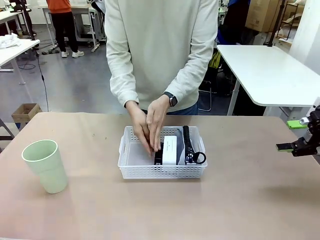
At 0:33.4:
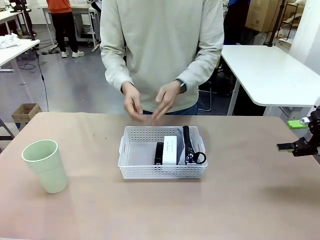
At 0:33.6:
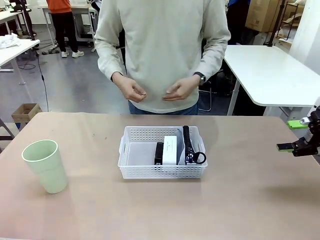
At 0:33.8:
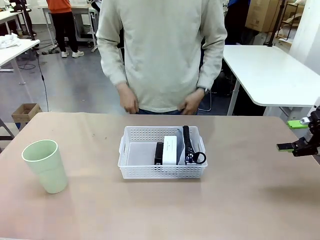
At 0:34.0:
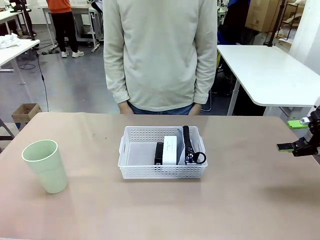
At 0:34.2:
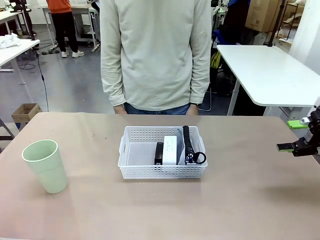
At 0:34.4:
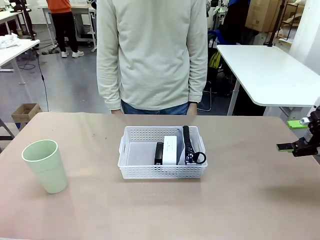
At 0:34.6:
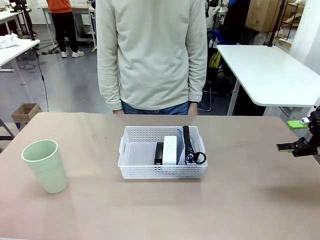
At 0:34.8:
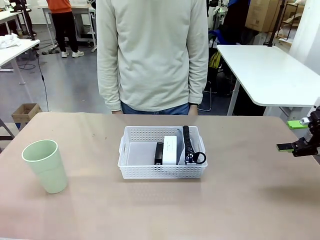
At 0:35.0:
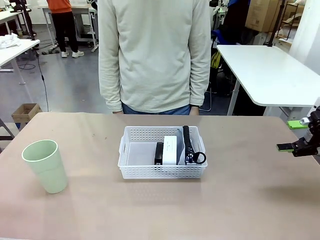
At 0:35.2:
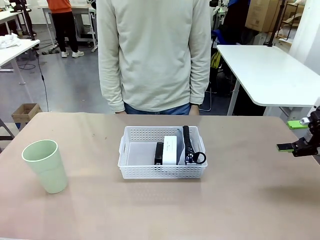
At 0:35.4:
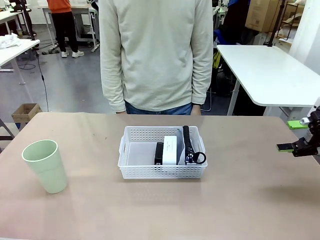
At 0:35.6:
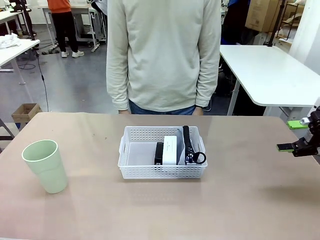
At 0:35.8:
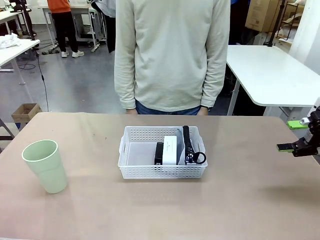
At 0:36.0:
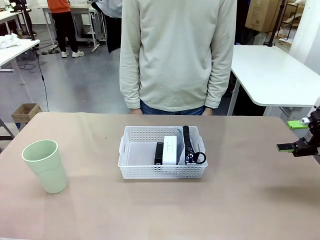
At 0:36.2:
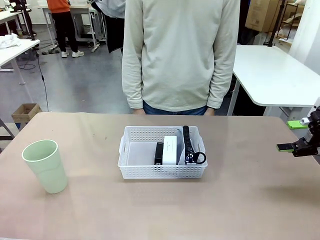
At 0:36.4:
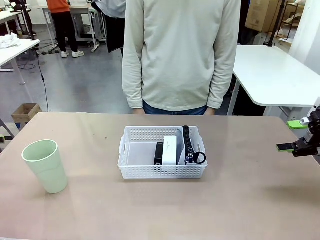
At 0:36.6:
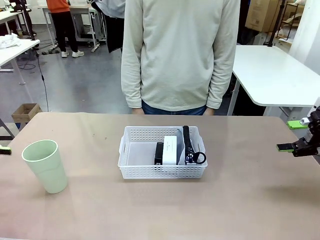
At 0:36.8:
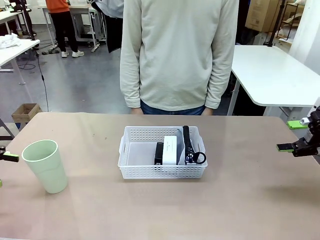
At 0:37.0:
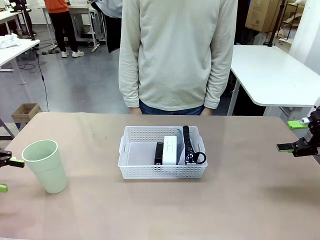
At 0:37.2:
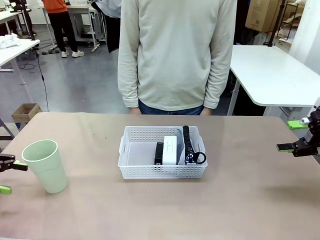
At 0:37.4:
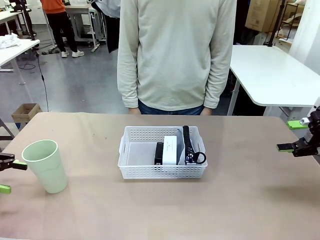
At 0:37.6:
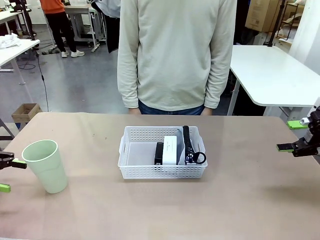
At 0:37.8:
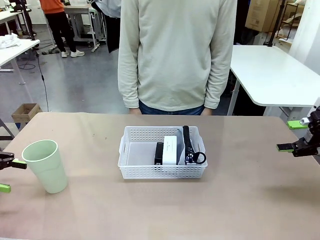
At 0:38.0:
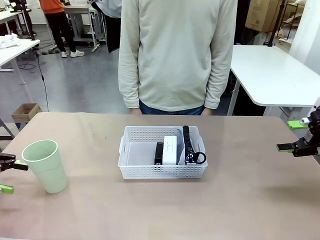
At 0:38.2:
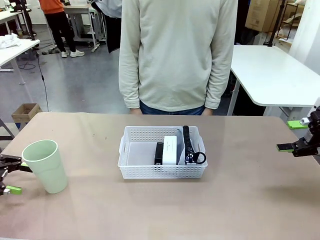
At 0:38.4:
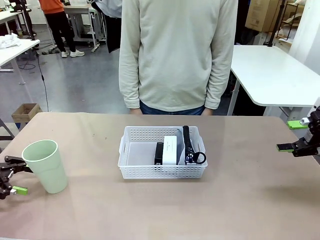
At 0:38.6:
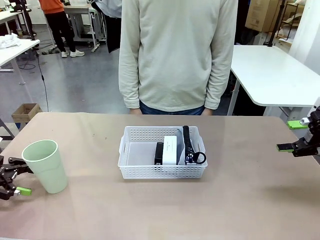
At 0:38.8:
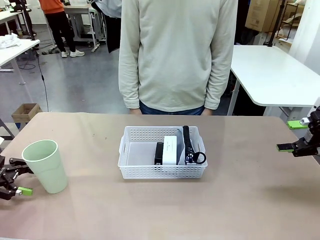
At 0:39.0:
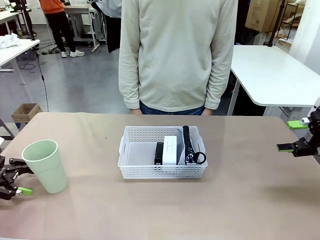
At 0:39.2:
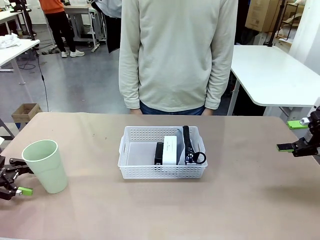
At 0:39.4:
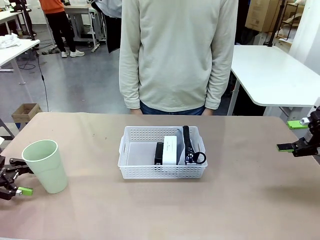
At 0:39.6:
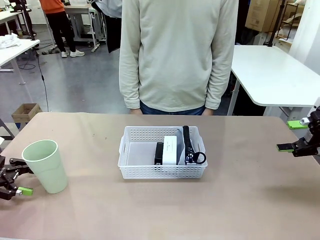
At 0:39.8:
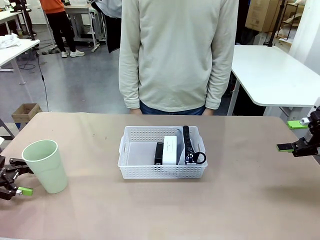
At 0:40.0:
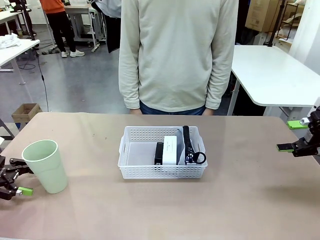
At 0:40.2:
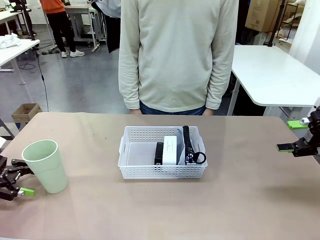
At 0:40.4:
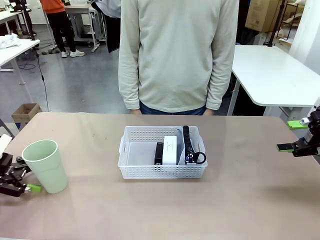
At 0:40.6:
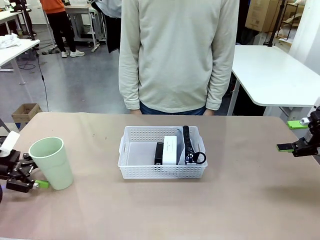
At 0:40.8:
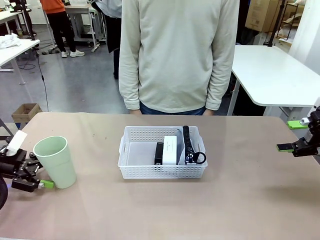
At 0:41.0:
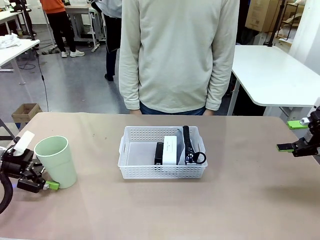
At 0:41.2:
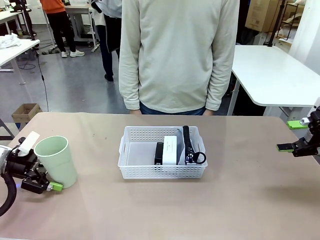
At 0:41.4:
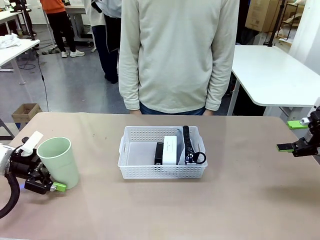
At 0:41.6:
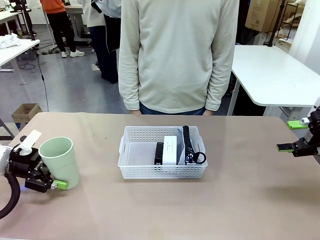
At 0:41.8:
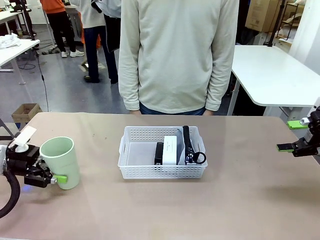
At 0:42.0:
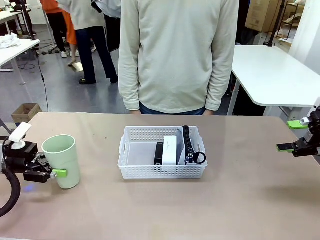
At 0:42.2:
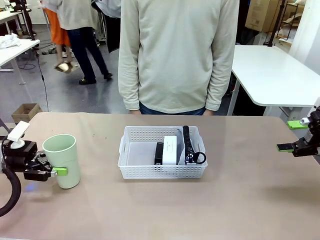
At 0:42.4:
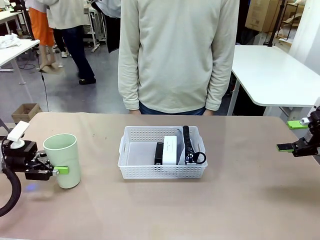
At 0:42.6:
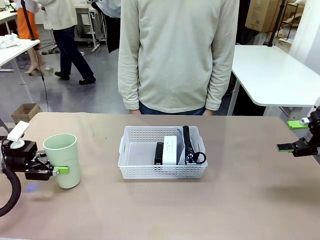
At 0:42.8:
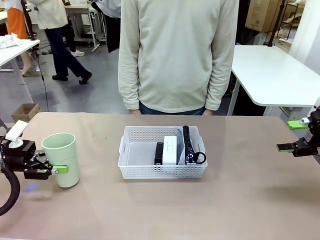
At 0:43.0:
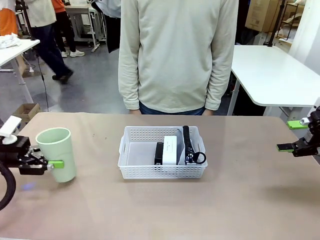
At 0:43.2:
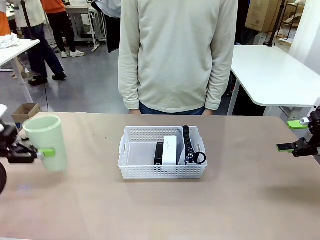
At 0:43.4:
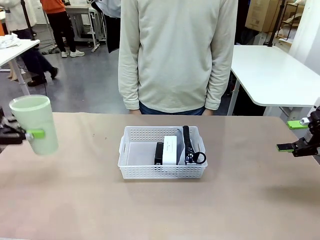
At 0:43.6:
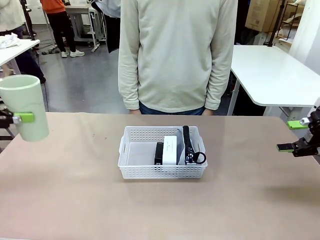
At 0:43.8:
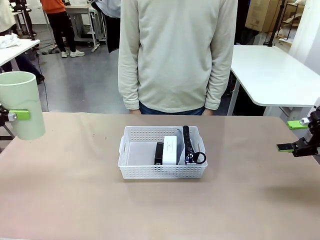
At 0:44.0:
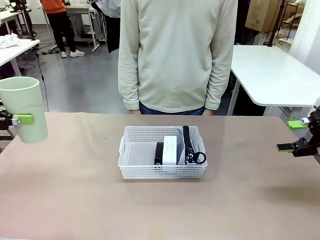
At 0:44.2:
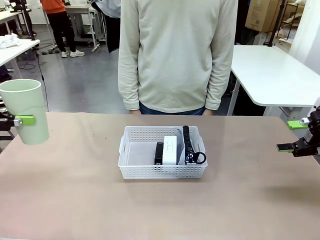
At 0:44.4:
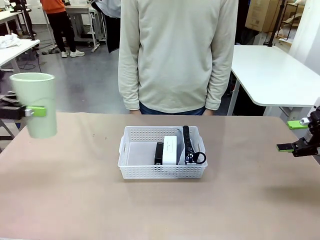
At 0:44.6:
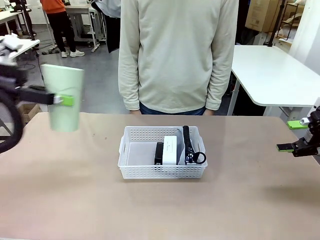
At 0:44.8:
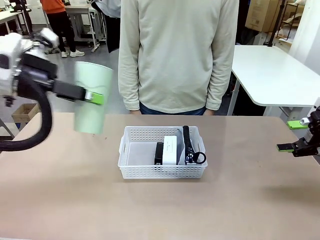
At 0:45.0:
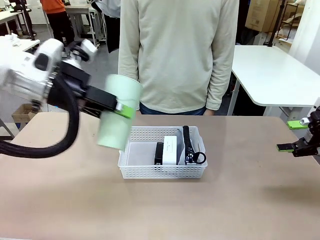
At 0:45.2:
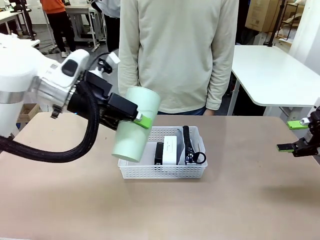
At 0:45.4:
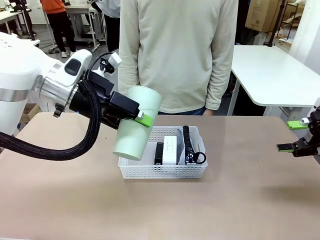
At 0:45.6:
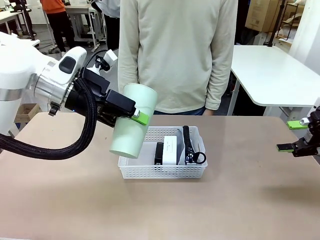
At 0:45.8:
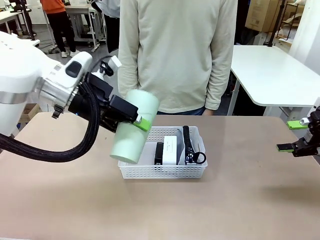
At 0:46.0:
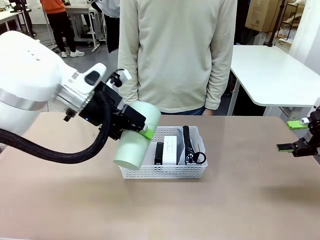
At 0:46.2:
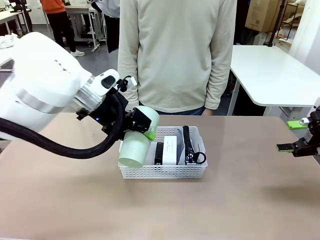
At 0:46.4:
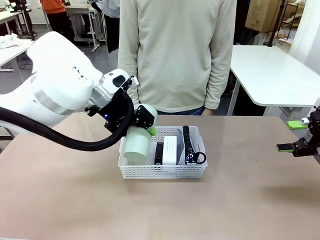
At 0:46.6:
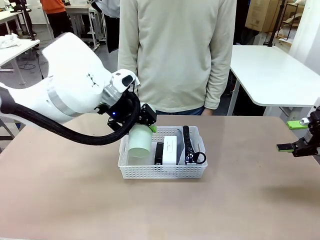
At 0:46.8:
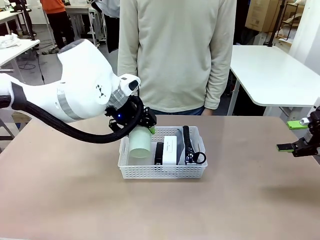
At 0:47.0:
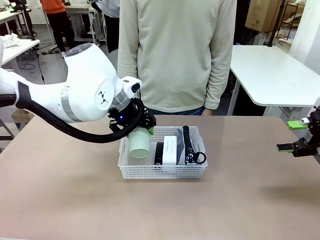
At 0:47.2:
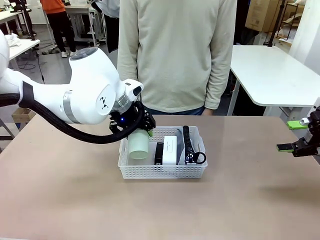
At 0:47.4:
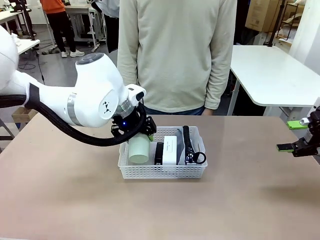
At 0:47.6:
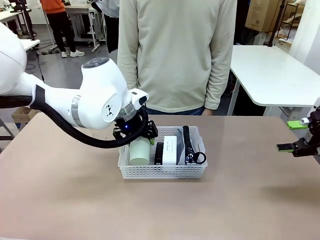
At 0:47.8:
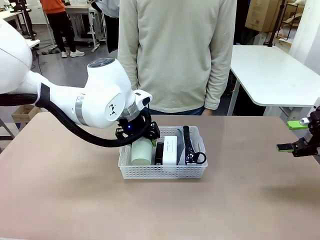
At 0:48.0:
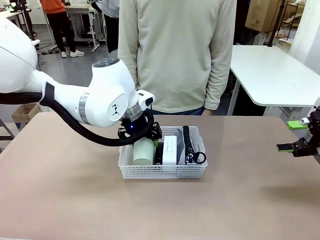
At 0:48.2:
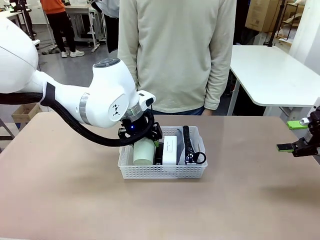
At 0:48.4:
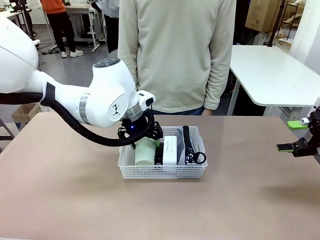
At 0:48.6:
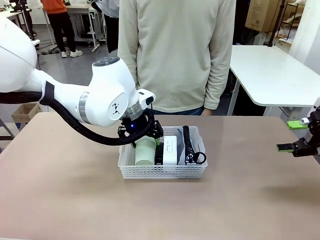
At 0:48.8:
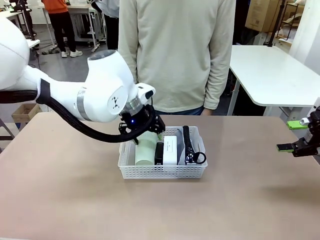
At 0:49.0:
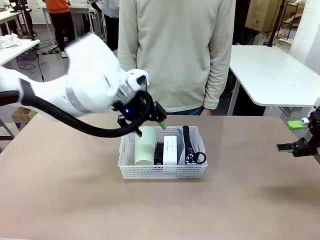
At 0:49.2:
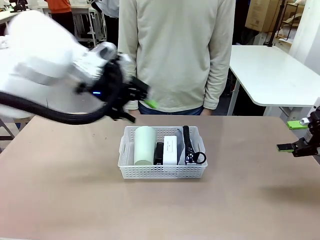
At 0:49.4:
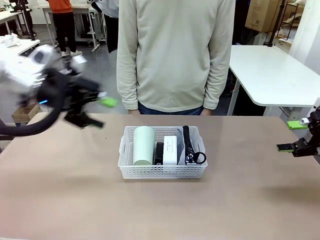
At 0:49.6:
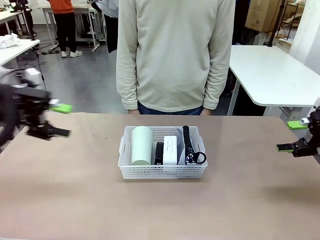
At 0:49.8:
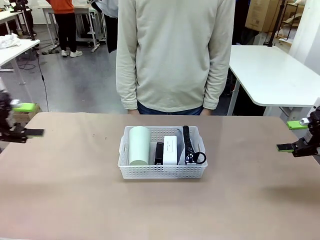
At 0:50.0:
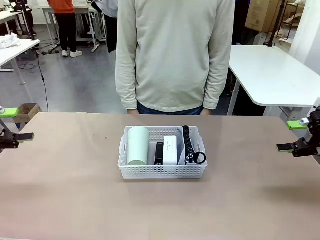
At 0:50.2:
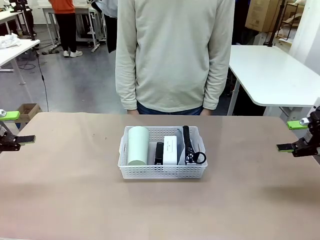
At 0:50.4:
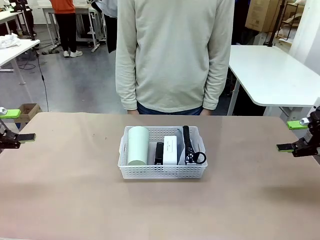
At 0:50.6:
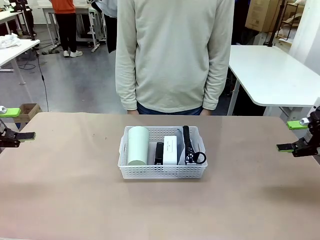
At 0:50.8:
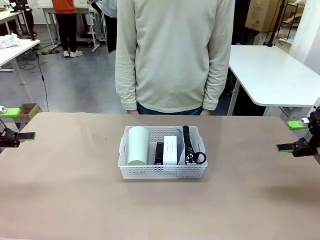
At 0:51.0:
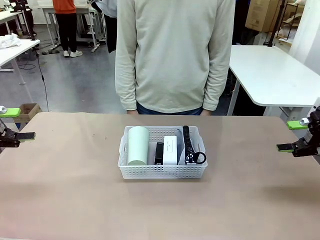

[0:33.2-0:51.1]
Task: Efficiently arrange items inside the basket to fit them all.
Robot: Pick up the Reusable plastic cup and place it inside the Organizing basket.
Person: Repositions the stapler.

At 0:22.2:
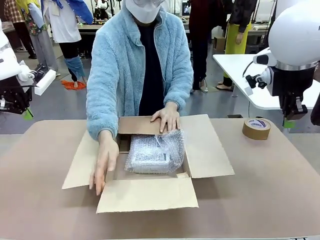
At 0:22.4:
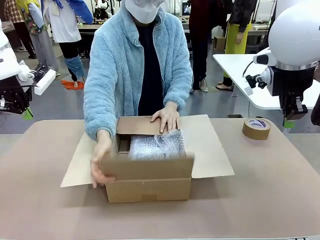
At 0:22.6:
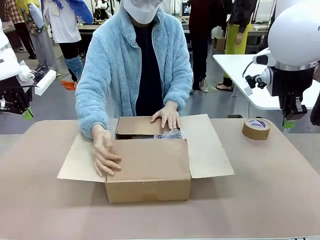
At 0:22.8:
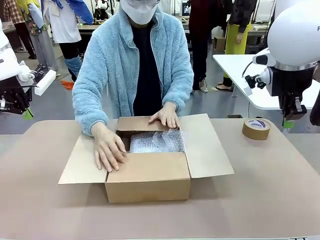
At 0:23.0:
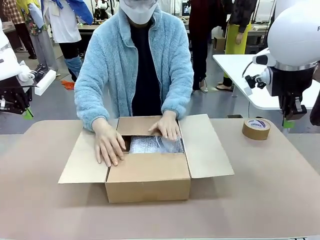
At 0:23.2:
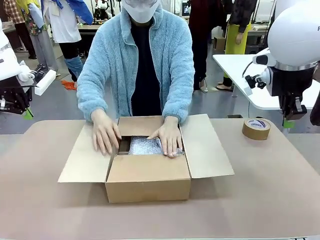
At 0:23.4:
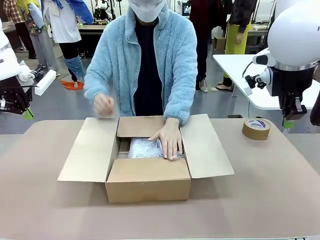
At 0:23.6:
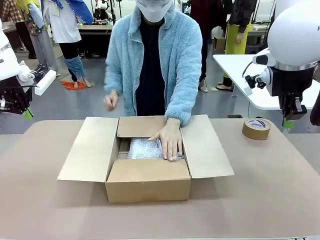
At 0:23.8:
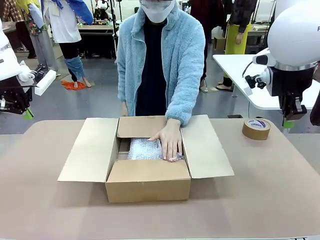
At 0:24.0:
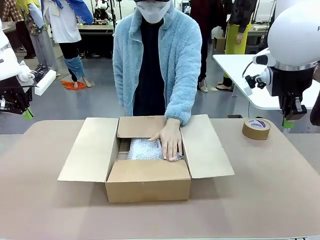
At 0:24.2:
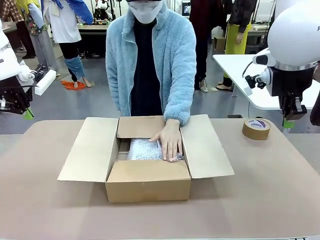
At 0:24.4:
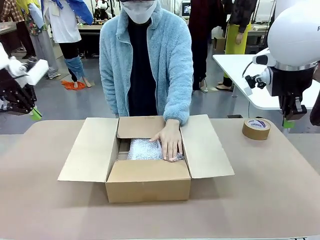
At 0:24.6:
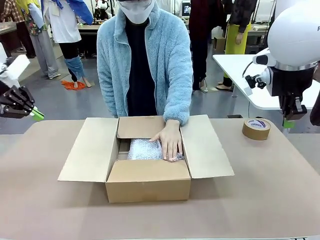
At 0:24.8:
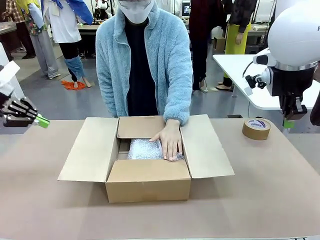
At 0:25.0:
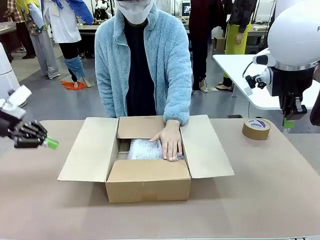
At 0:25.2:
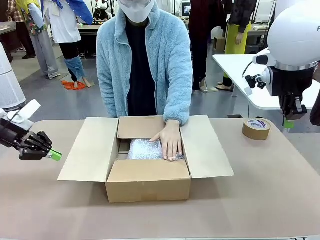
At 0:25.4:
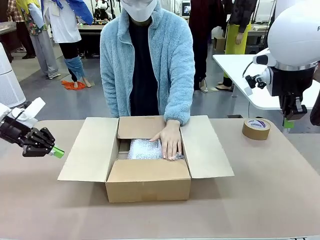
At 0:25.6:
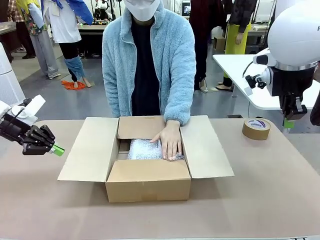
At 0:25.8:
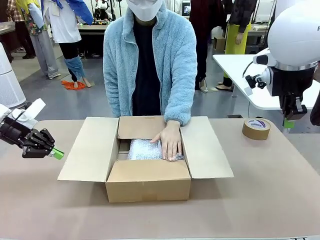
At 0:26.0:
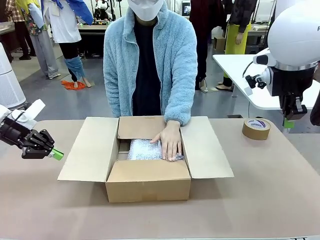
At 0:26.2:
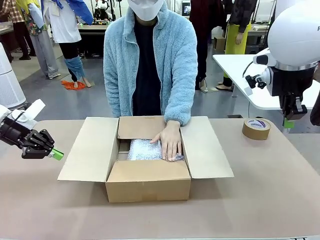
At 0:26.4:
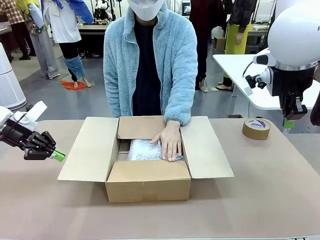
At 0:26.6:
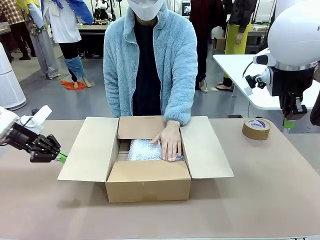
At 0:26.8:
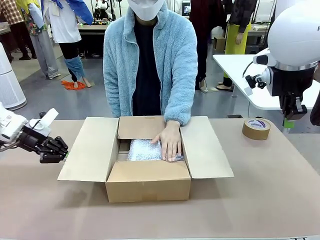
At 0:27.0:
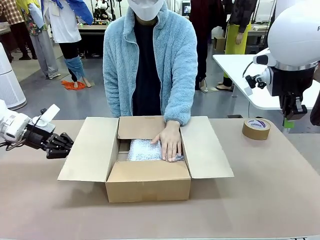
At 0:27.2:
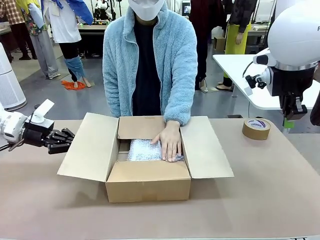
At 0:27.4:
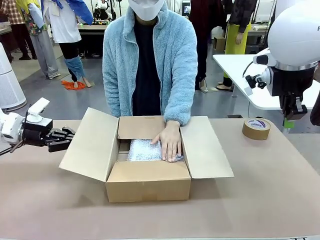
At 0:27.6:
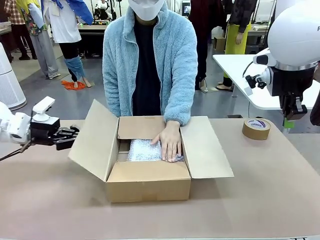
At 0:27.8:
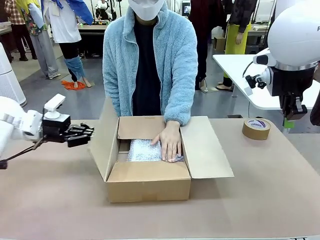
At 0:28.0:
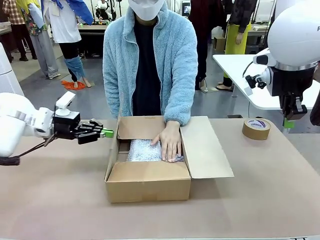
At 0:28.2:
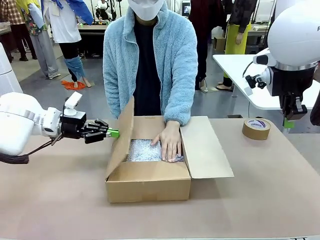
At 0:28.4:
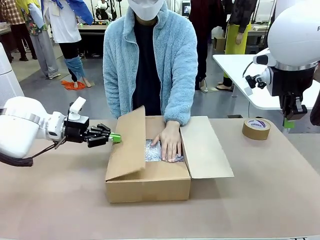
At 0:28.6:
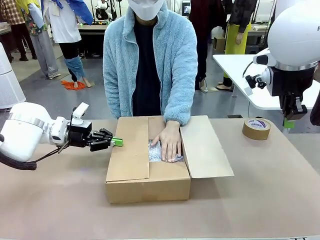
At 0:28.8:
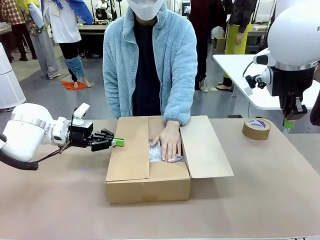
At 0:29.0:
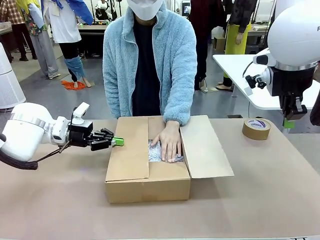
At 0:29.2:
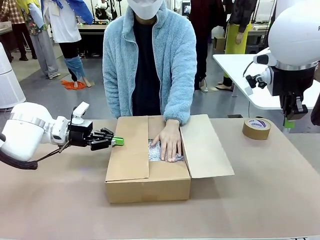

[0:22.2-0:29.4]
Task: Wrap the clocks to prevent damage.
Robot: Push the right (or left) flap of the Package Box to close it.
Person: Once the robot closes the right flap of the Package Box , release your left hand from the box.
